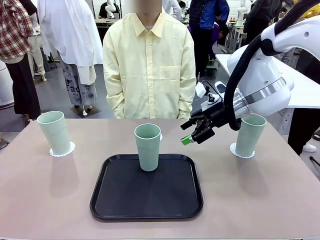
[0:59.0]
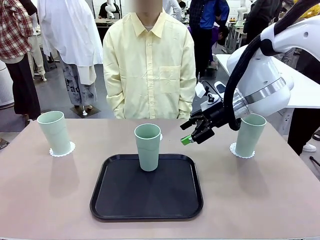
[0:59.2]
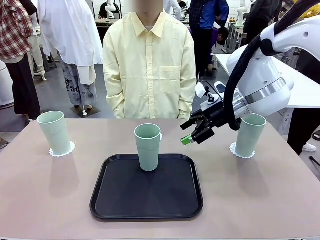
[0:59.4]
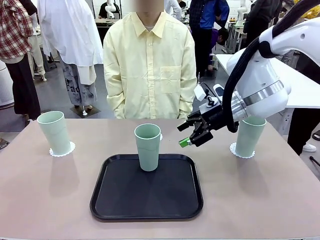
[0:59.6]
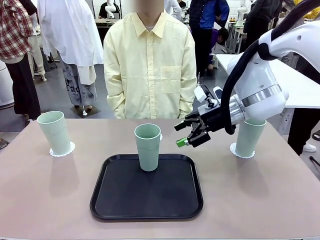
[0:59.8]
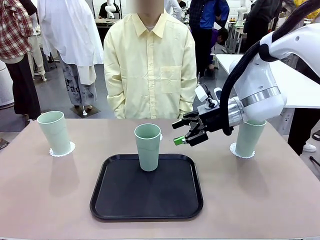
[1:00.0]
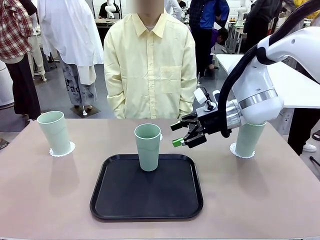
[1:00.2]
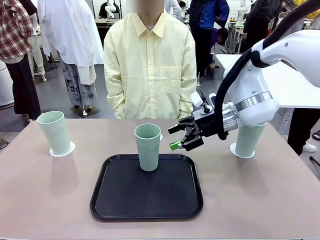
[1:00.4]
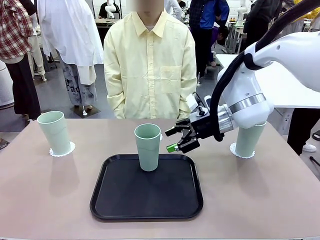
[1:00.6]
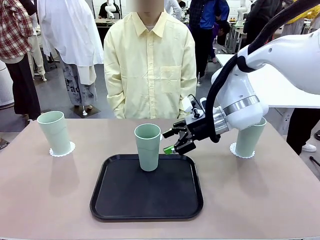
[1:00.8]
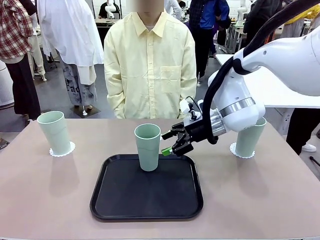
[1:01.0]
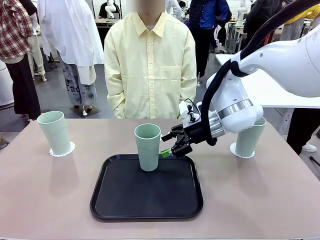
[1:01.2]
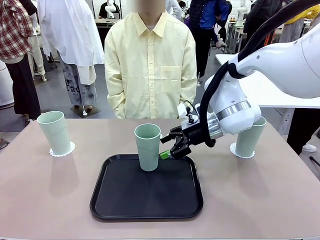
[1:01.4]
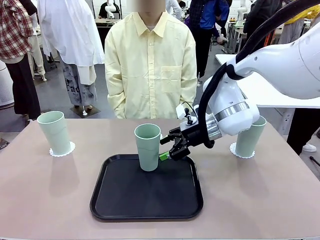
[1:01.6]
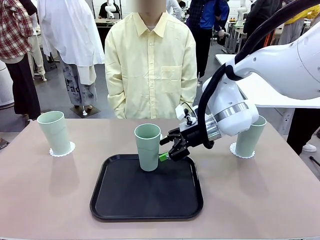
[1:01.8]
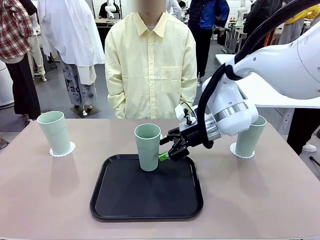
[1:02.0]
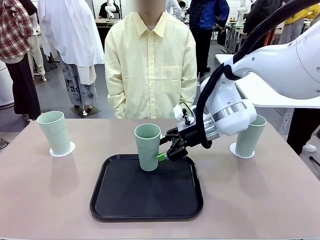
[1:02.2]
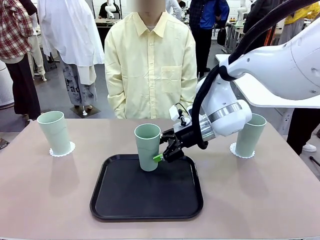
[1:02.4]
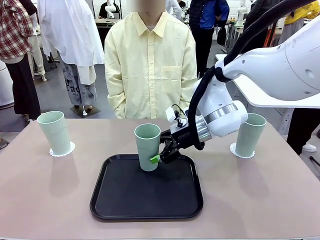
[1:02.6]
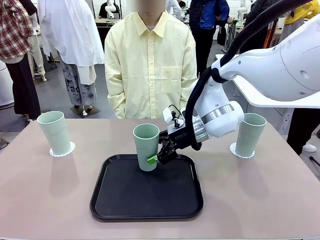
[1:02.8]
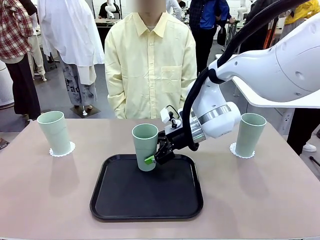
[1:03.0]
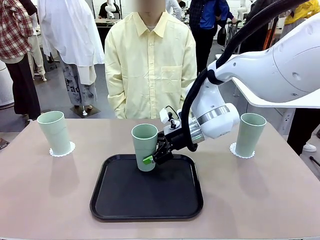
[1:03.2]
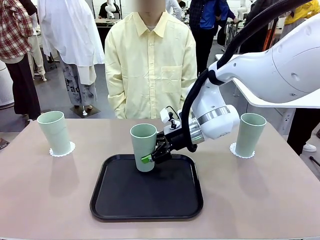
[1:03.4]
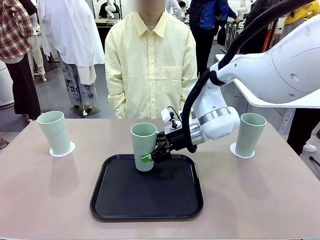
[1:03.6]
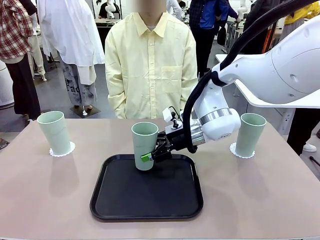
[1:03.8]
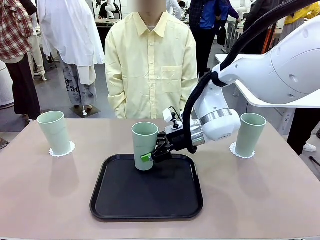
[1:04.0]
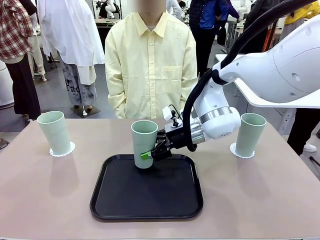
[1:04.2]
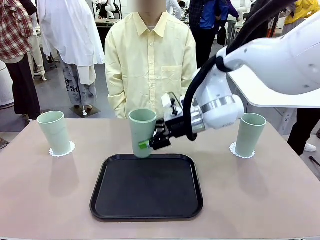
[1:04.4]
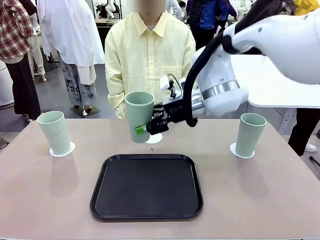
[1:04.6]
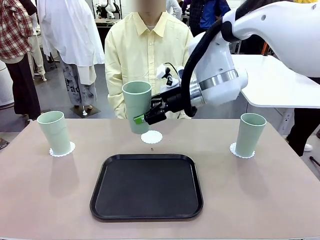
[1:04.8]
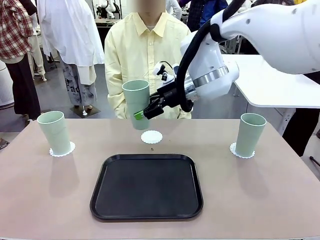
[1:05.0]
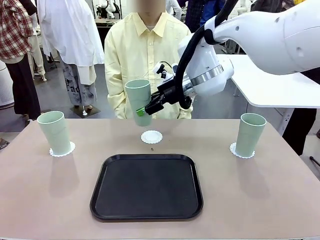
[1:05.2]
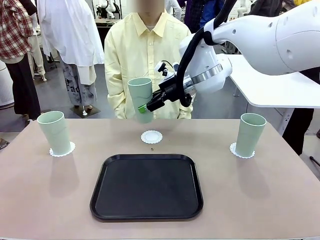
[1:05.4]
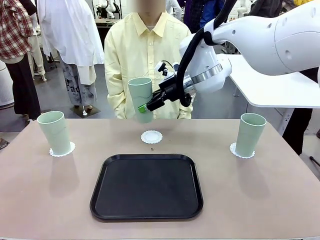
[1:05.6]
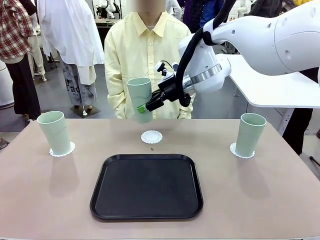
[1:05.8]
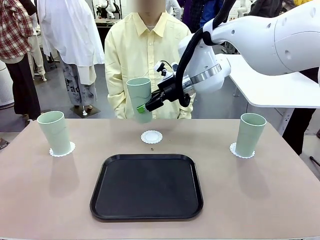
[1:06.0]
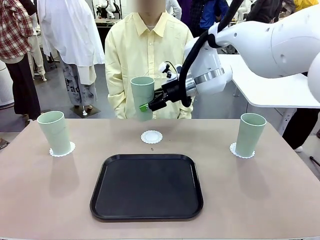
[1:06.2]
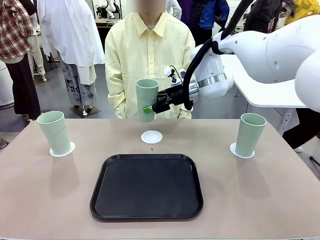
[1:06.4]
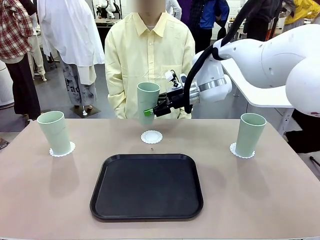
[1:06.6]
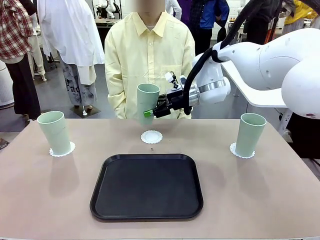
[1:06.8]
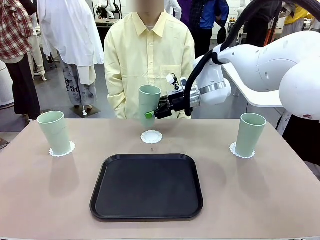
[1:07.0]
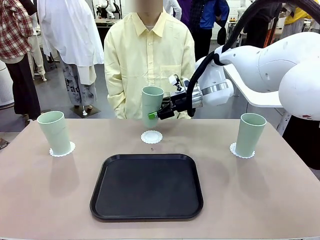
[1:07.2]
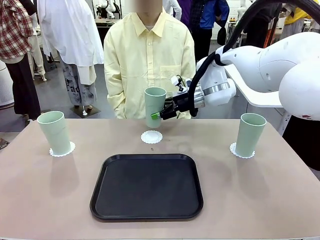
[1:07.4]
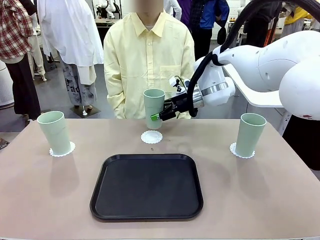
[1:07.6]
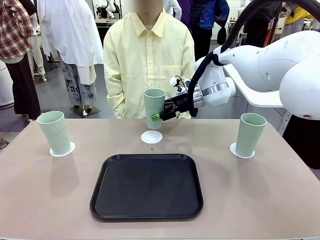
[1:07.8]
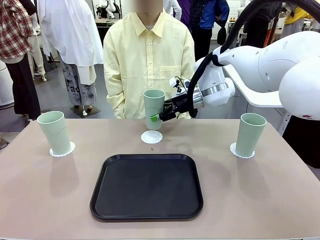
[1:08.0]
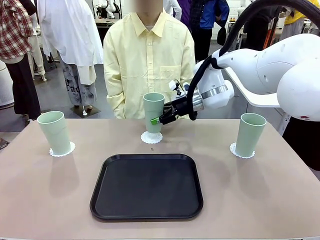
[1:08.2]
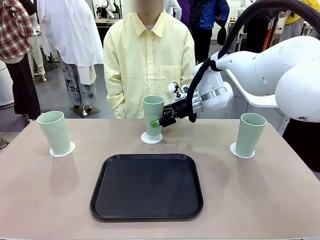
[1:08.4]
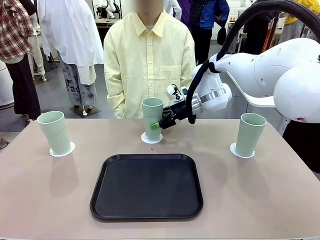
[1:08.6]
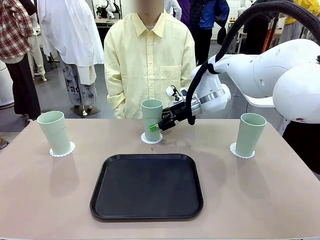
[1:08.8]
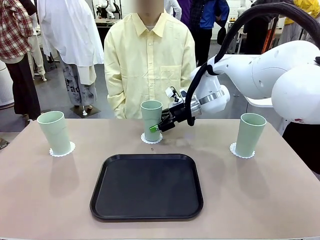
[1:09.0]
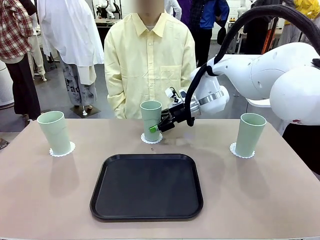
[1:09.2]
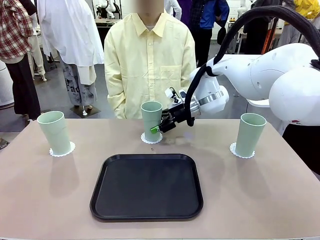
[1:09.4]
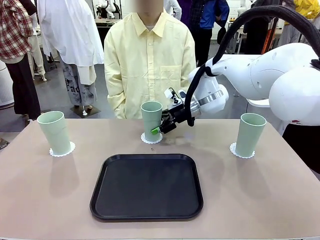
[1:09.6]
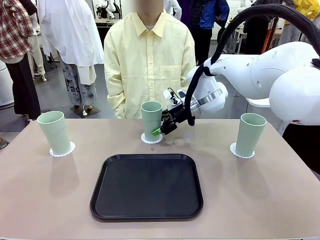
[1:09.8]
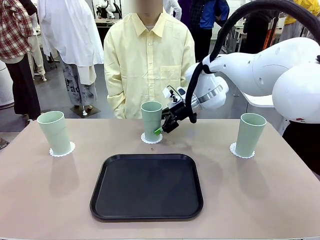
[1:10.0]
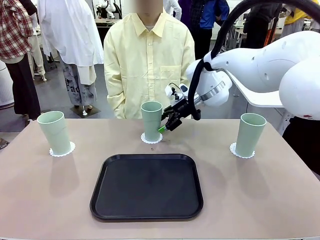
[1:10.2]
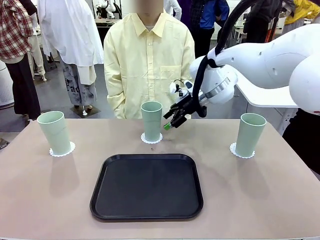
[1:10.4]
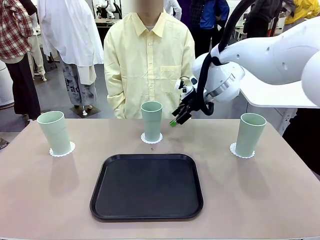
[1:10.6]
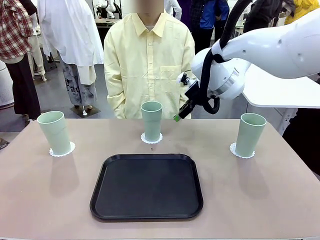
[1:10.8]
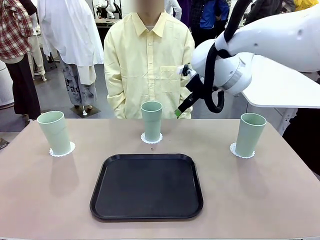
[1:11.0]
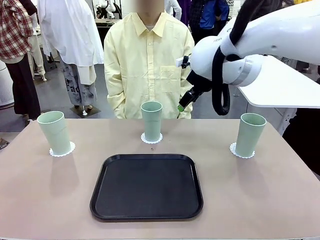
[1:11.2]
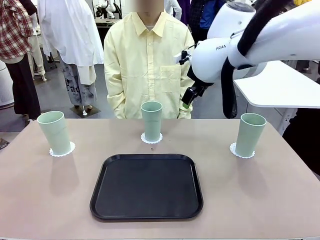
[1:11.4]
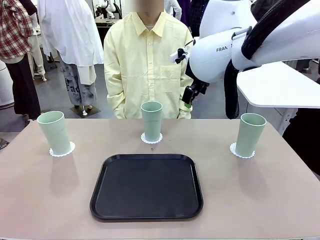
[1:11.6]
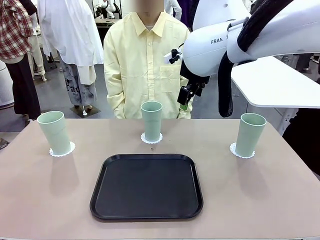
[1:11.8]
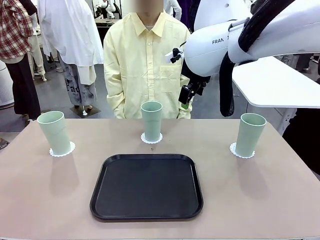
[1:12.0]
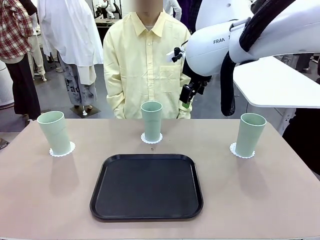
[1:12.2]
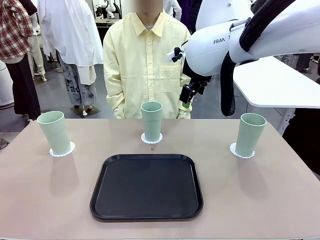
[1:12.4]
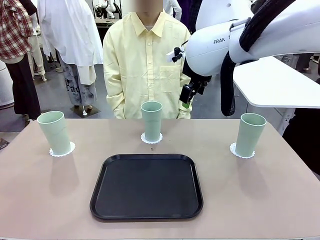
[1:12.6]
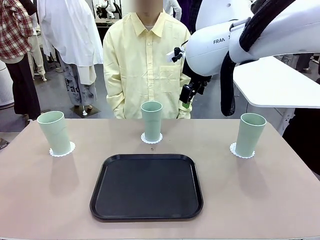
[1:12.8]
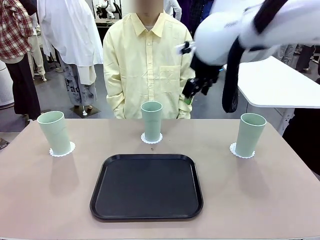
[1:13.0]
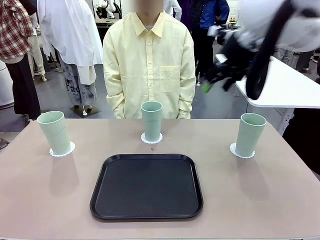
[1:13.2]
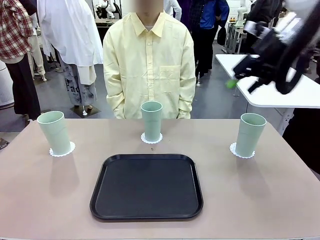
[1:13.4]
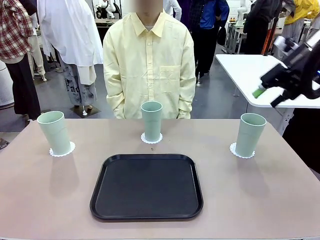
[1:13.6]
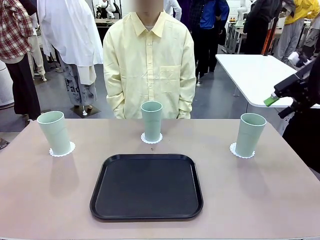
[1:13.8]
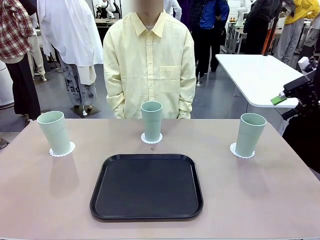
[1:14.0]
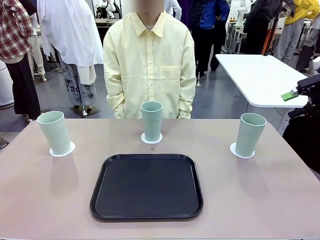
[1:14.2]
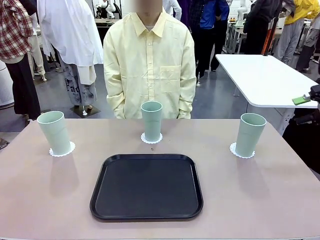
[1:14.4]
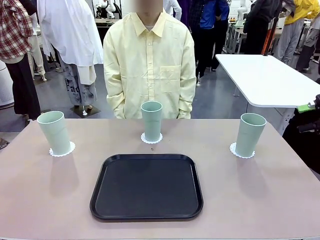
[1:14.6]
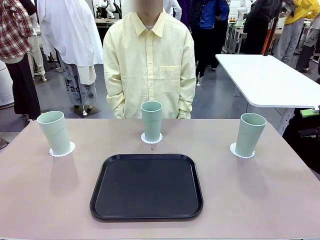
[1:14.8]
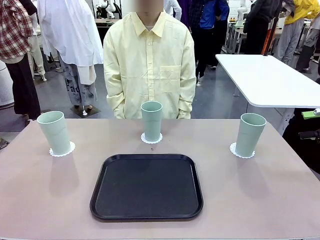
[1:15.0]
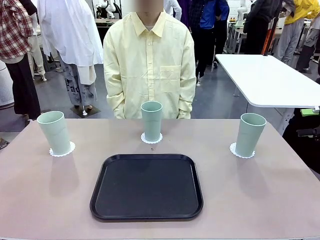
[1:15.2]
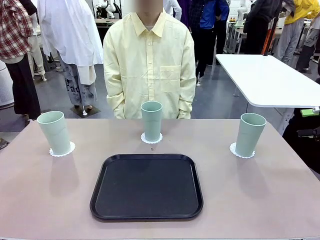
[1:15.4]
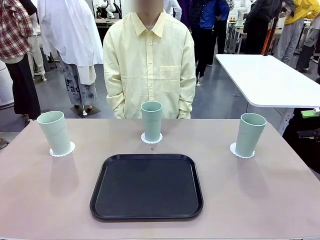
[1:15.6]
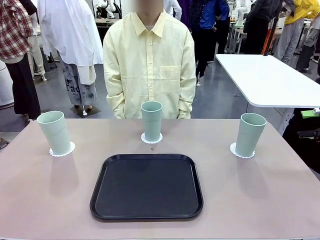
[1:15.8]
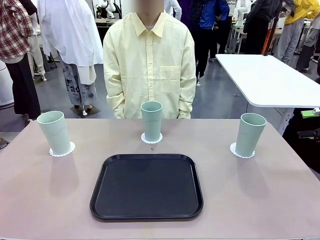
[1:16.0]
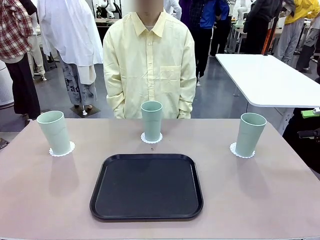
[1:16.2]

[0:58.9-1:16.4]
Task: Place coasters on the table and set cups on them.
Robot: Take one Reusable plastic cup from the Flat Tray and place it on a coaster set by the human.
